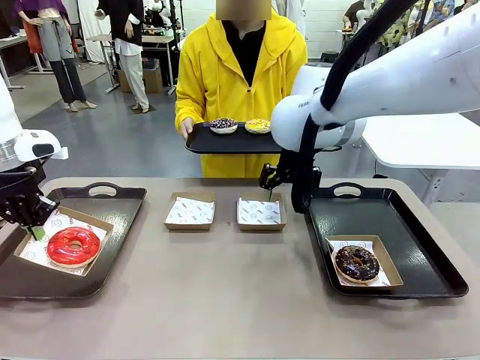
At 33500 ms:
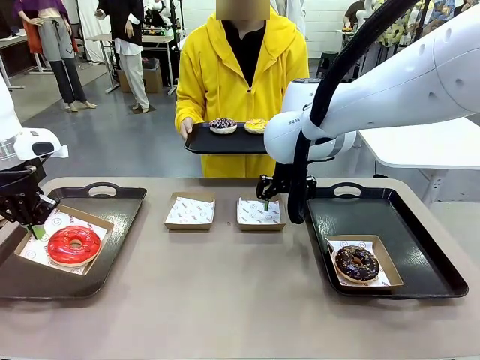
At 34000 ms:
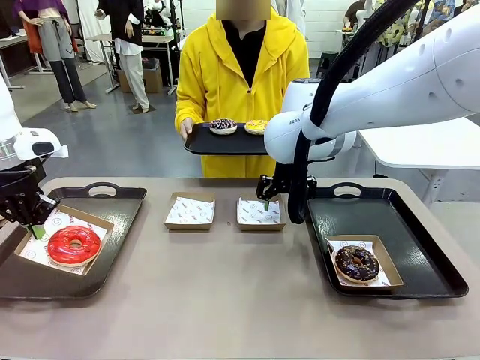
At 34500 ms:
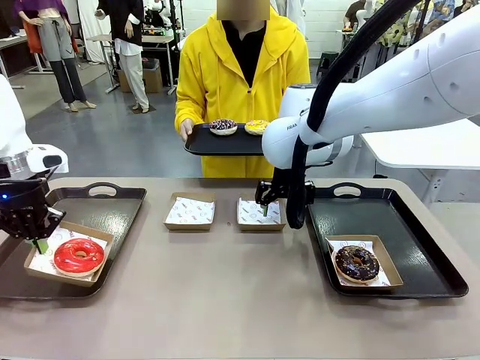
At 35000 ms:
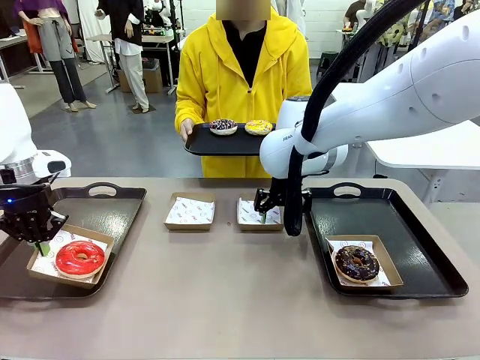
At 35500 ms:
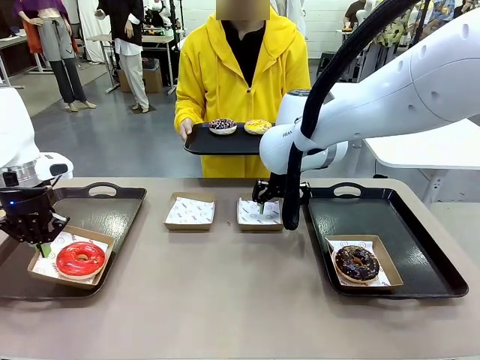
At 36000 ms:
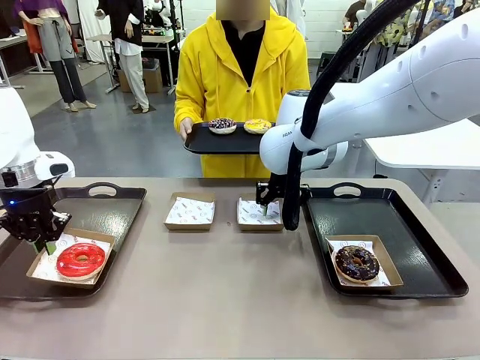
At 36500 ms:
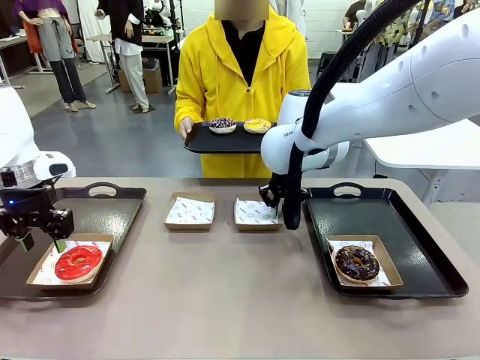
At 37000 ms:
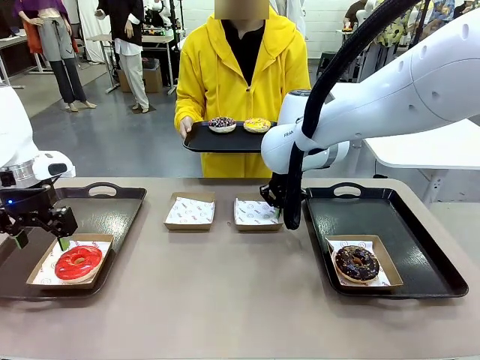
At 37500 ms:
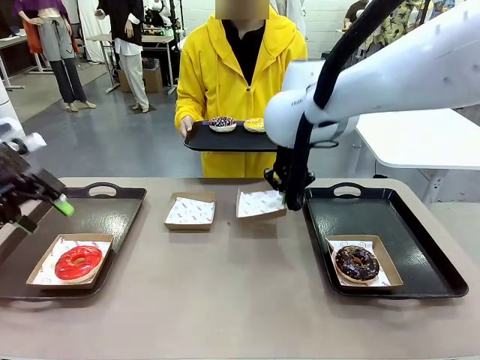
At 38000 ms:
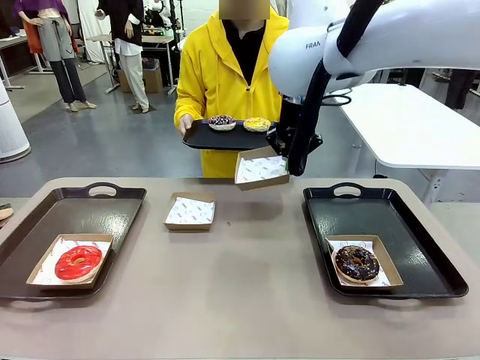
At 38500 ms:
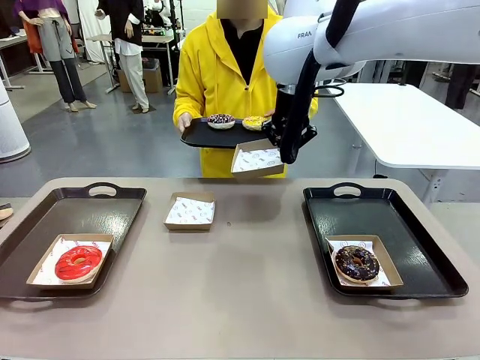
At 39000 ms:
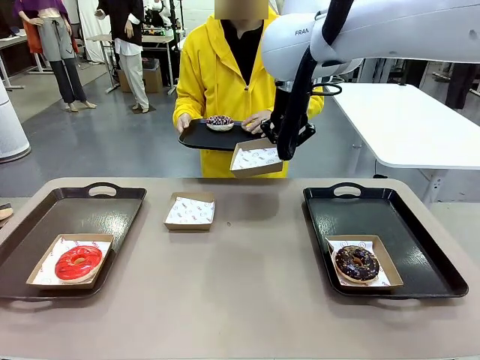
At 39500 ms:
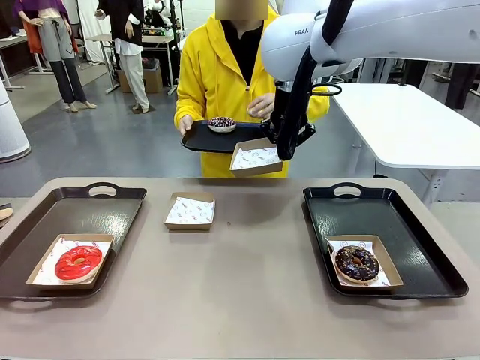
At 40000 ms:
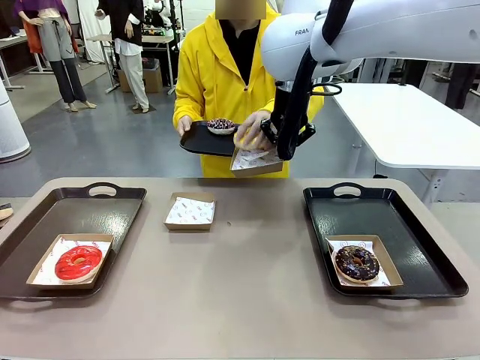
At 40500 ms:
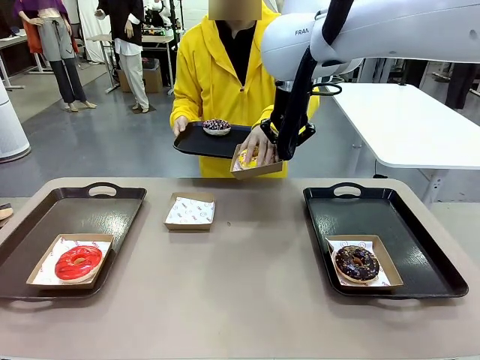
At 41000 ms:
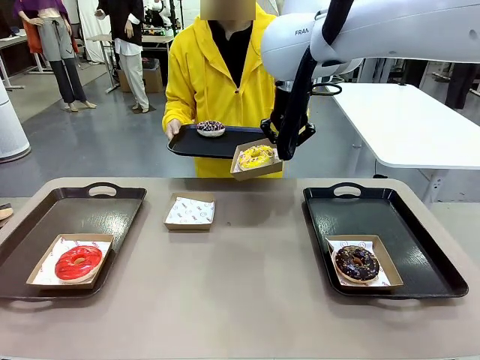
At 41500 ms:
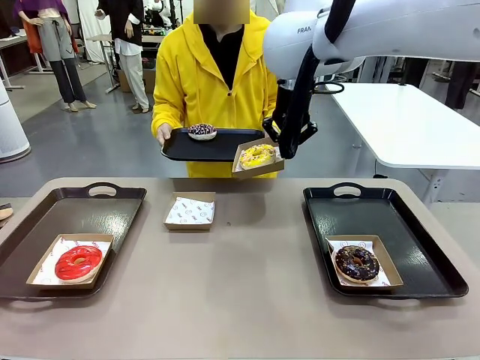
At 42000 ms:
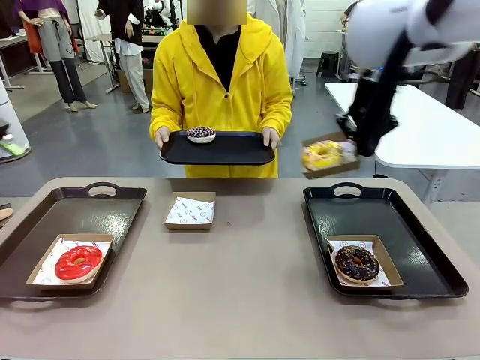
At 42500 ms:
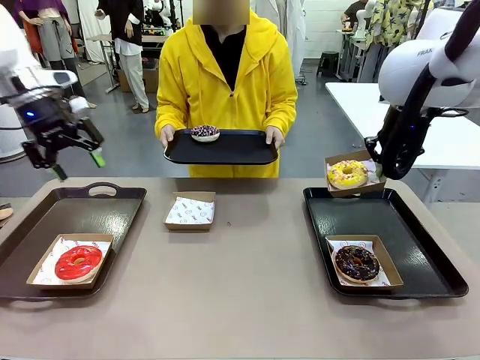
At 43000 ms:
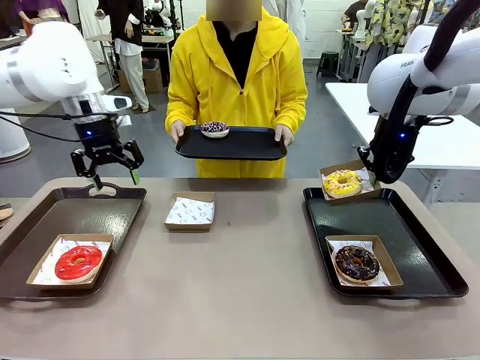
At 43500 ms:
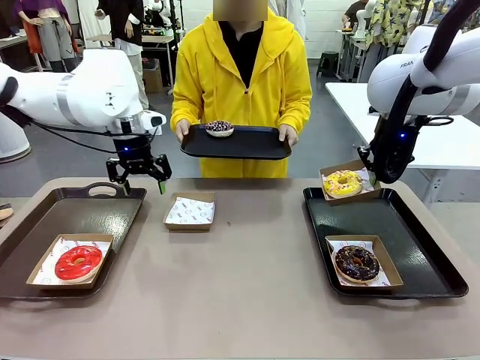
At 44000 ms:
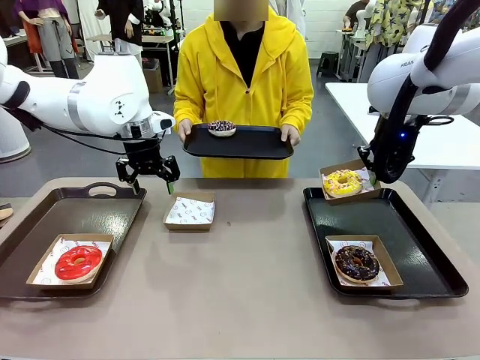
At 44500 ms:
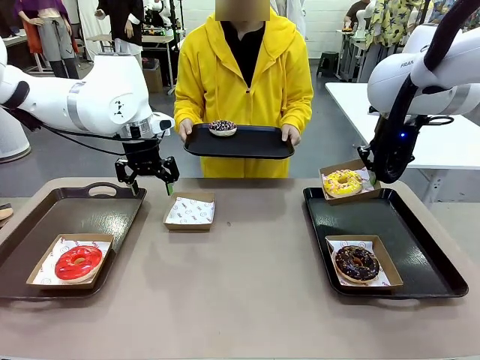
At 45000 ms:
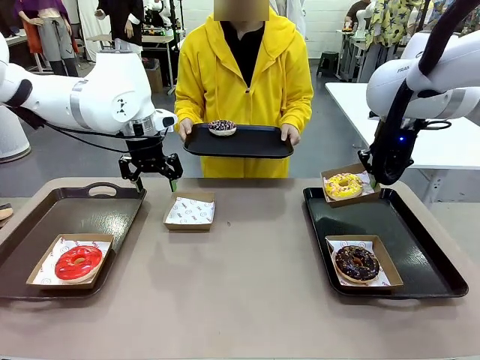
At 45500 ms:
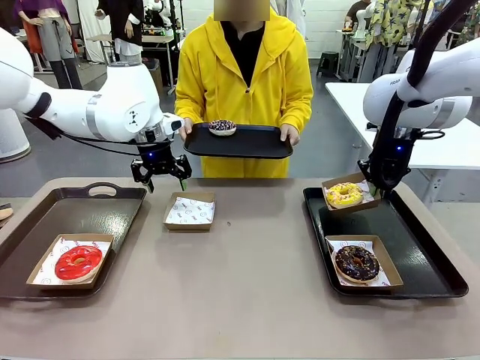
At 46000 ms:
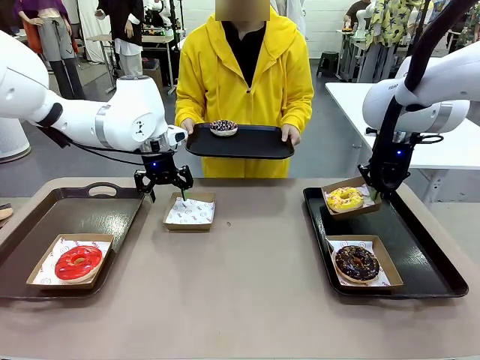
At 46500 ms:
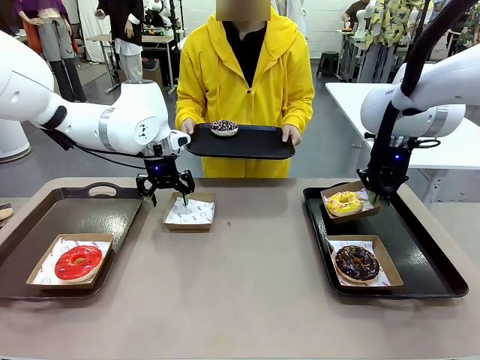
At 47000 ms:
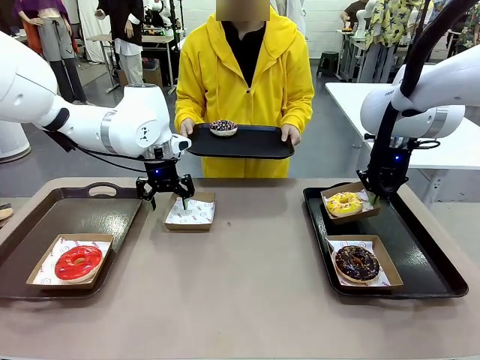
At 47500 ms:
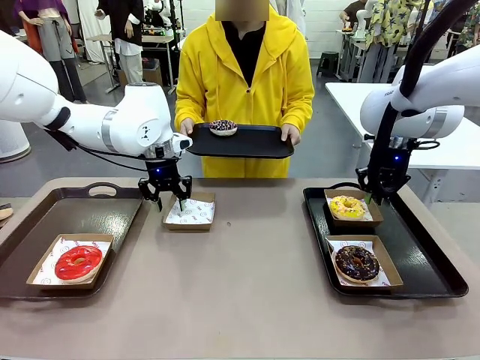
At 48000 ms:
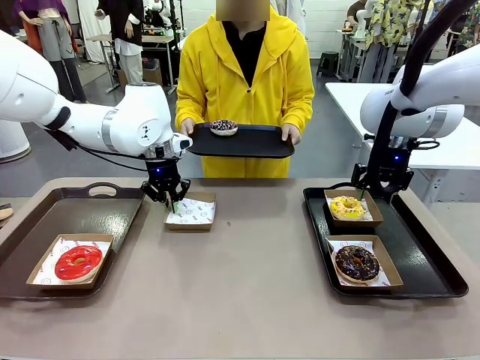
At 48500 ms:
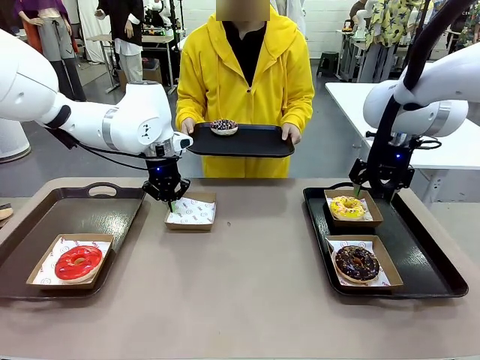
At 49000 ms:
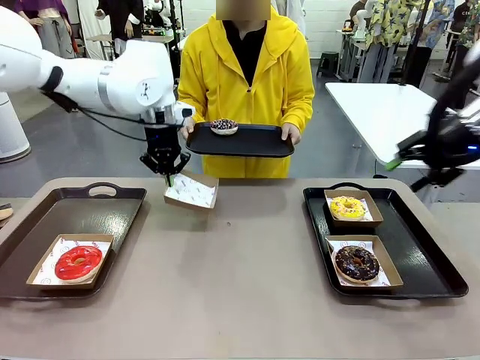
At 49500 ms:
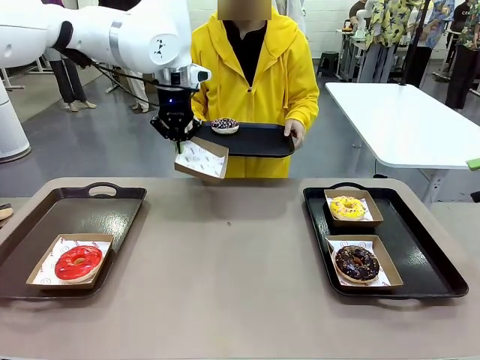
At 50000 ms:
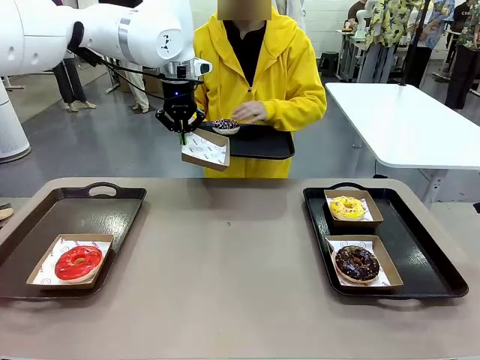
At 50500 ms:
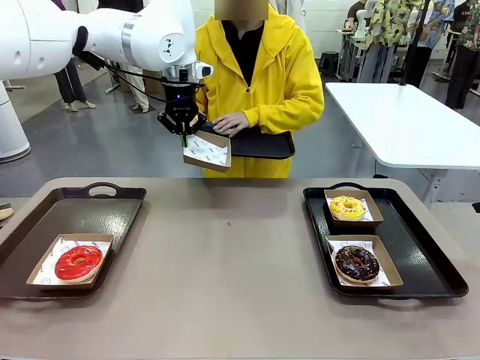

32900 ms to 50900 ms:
Task: Individually package the donuts and arrange them on the tray.
Robot: Place the picked Paper togo box on the Handle tray while simultaneously picking up another Paper togo box from the table with the other hand.

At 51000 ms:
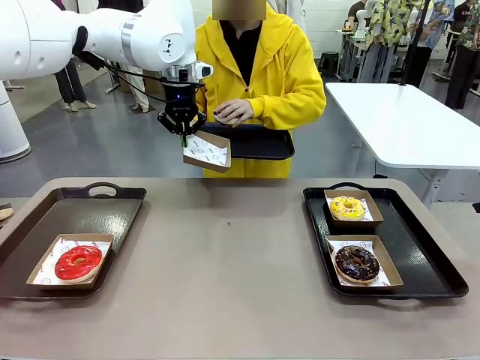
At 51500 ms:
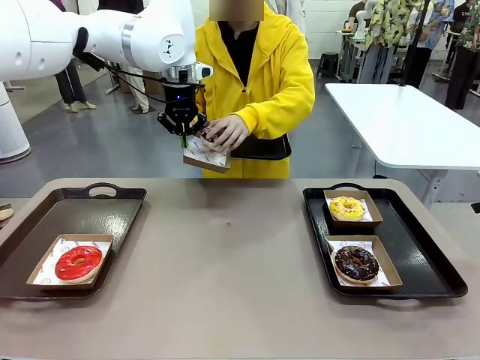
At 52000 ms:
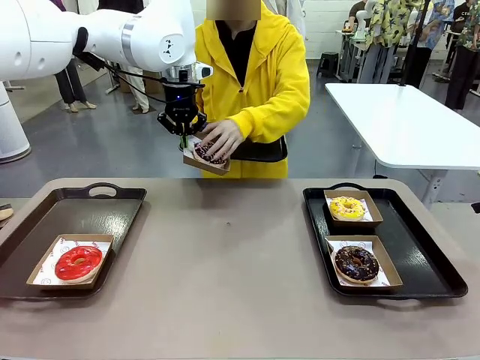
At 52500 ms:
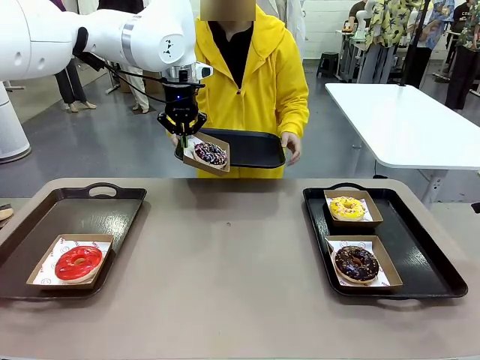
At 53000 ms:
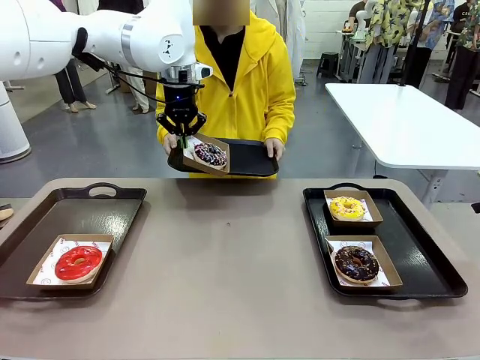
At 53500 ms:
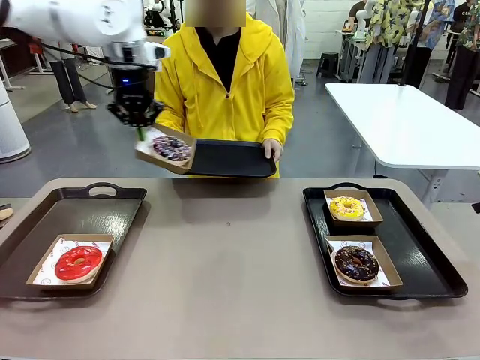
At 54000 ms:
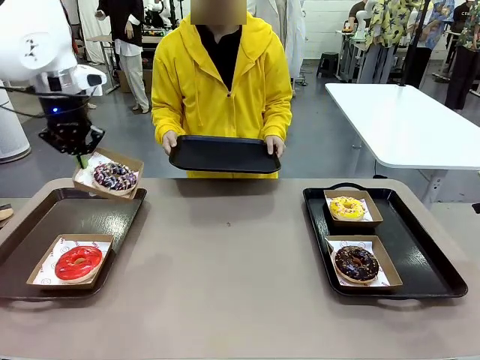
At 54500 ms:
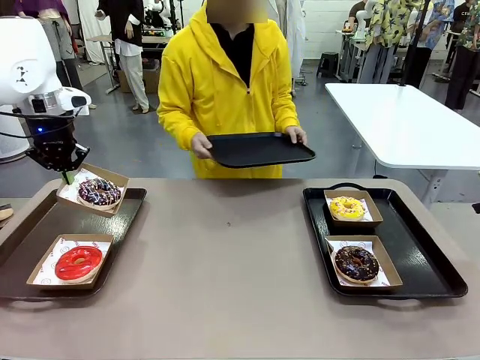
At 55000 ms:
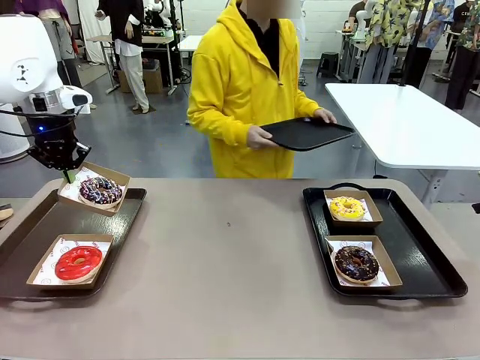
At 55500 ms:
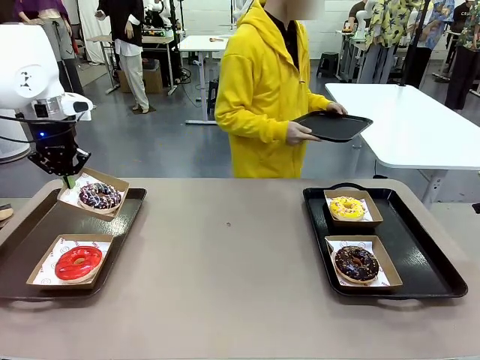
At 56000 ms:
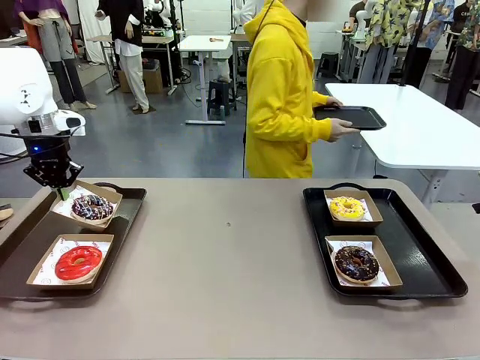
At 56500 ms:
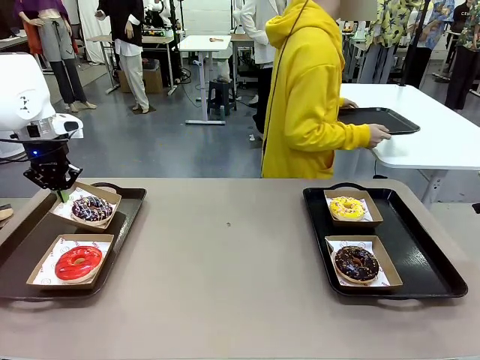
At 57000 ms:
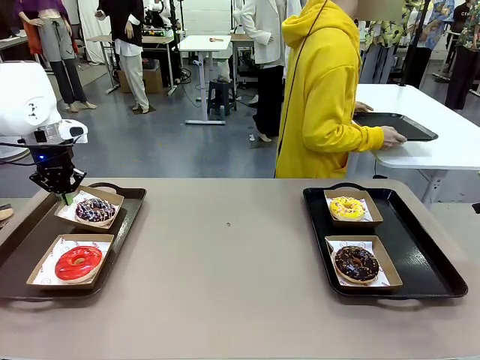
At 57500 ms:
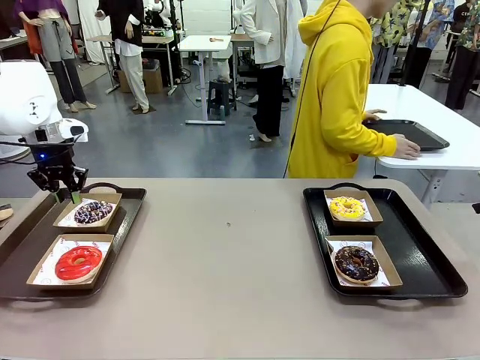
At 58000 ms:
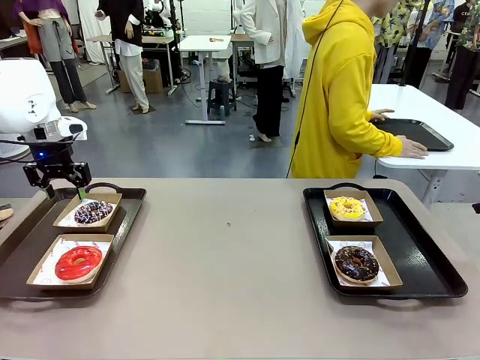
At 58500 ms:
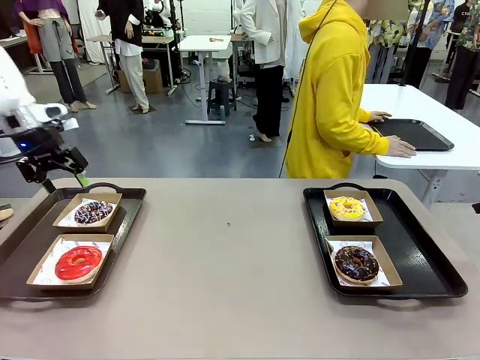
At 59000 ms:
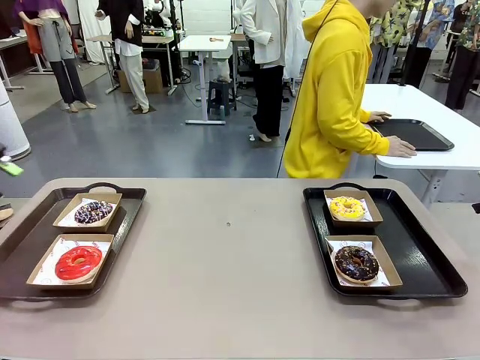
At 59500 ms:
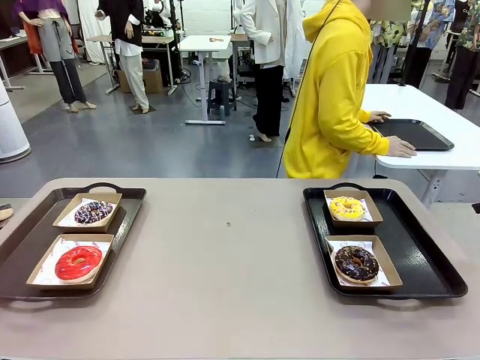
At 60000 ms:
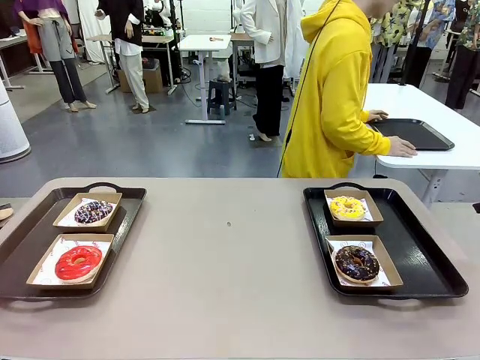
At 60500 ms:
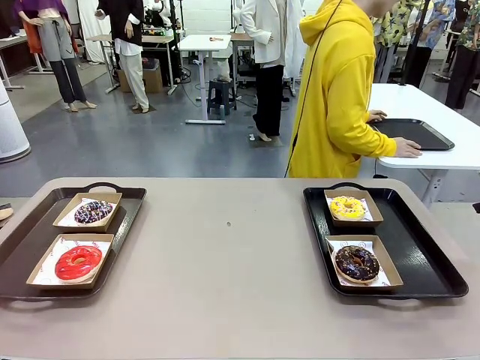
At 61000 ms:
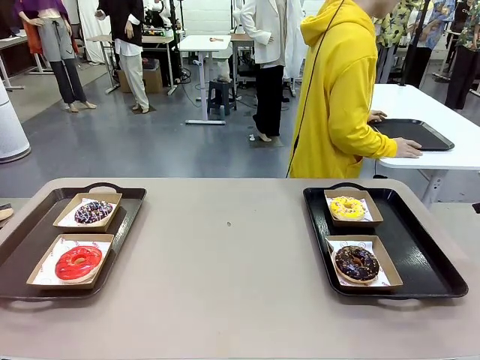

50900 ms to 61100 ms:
Robot: Place the picked Paper togo box on the Handle tray.
Person: Place the tray down in the middle of the human table.
